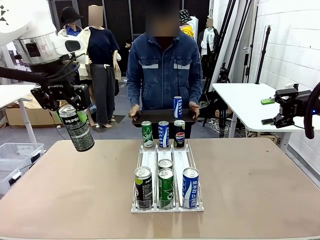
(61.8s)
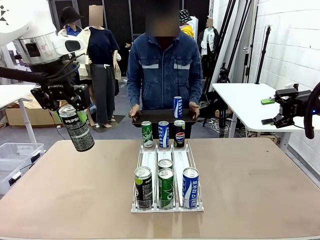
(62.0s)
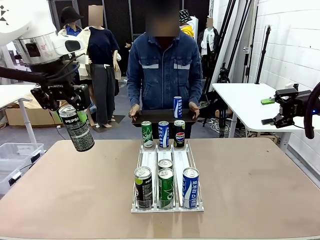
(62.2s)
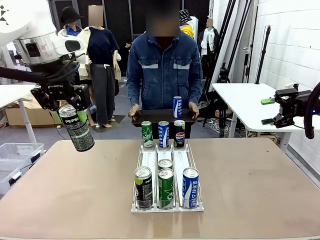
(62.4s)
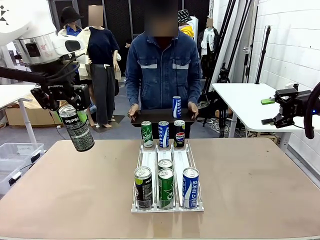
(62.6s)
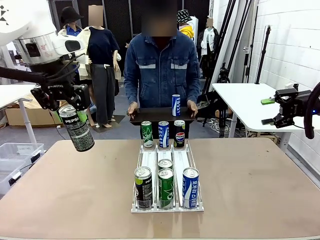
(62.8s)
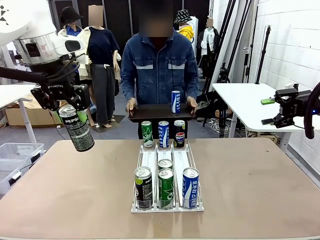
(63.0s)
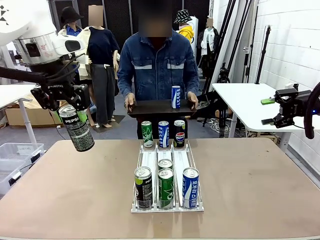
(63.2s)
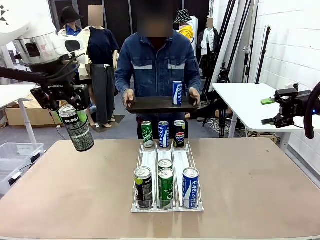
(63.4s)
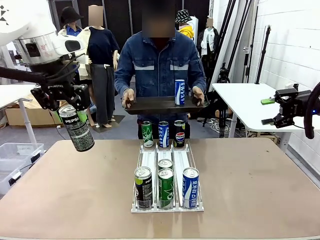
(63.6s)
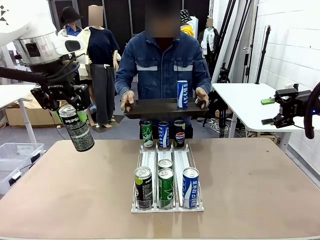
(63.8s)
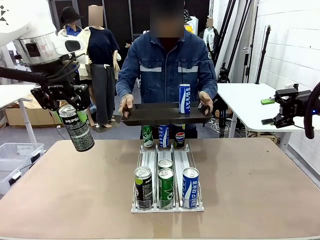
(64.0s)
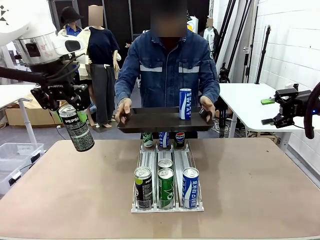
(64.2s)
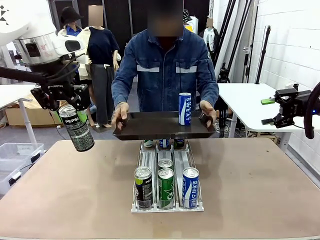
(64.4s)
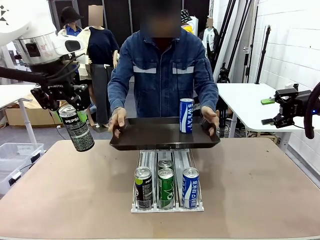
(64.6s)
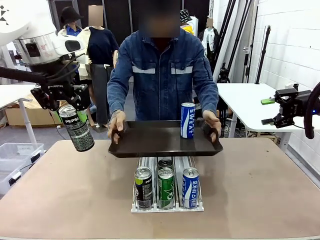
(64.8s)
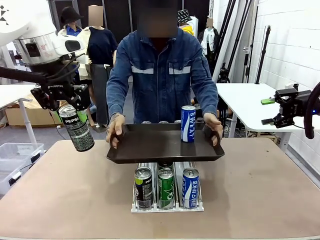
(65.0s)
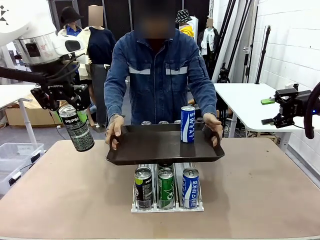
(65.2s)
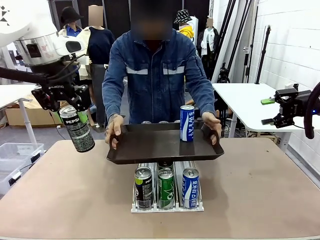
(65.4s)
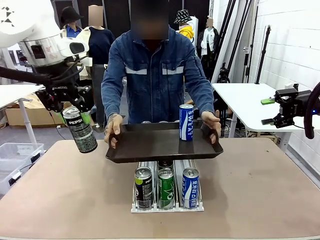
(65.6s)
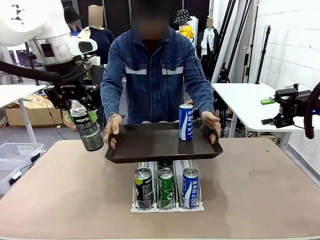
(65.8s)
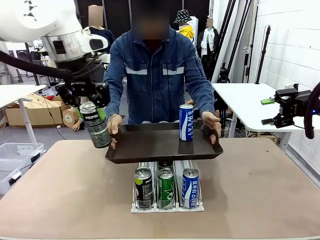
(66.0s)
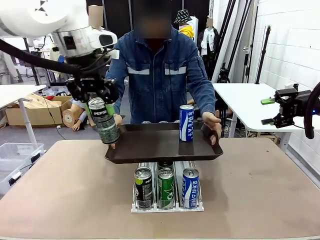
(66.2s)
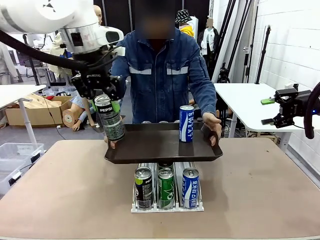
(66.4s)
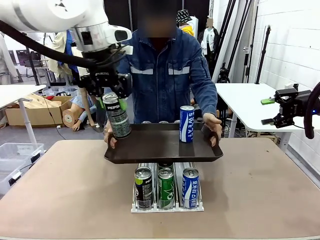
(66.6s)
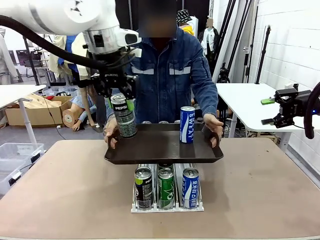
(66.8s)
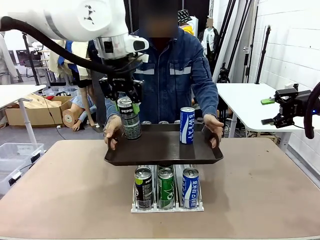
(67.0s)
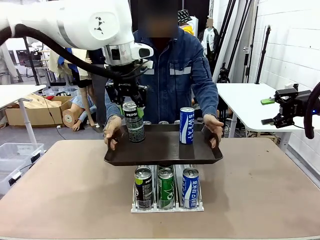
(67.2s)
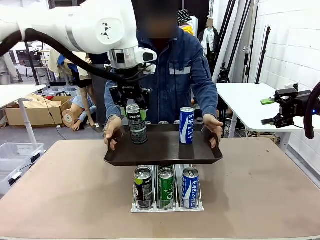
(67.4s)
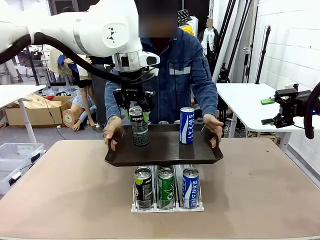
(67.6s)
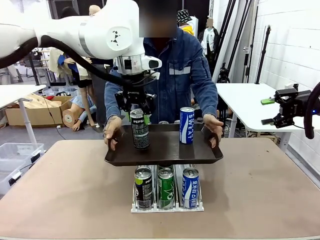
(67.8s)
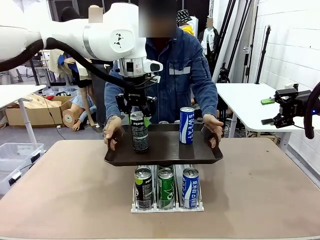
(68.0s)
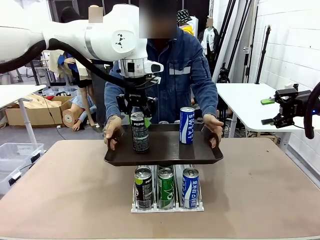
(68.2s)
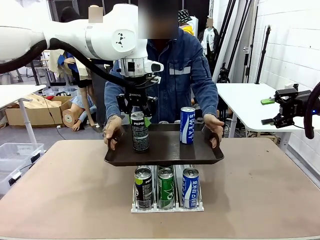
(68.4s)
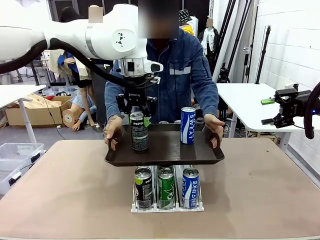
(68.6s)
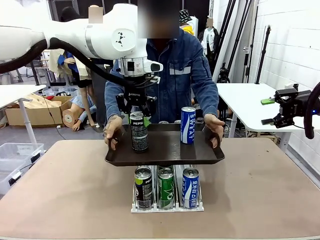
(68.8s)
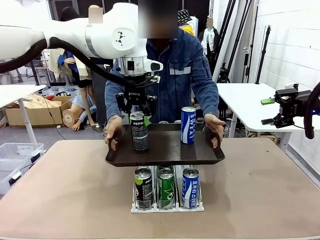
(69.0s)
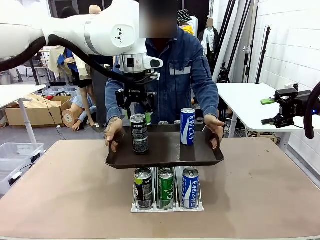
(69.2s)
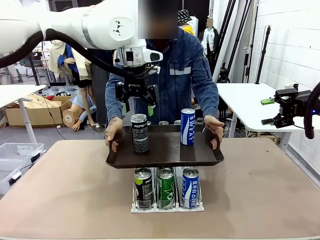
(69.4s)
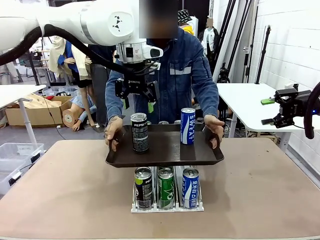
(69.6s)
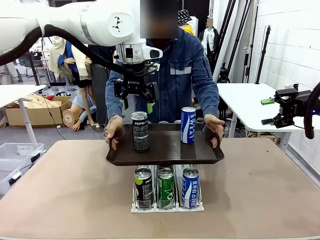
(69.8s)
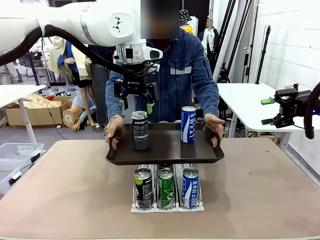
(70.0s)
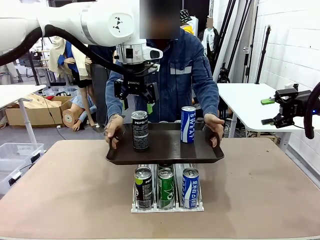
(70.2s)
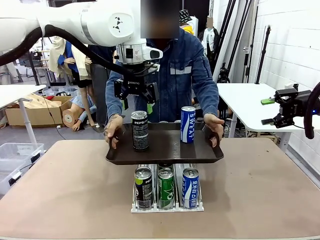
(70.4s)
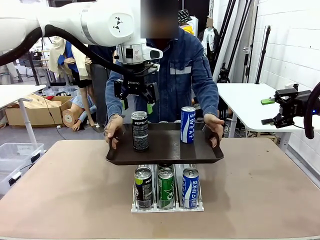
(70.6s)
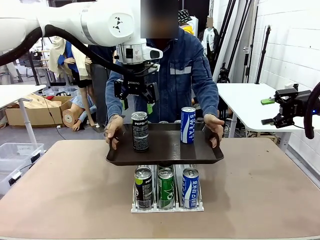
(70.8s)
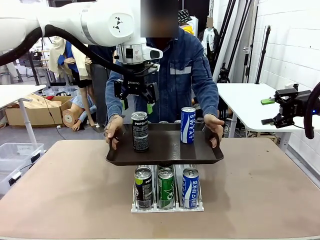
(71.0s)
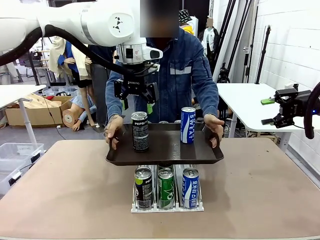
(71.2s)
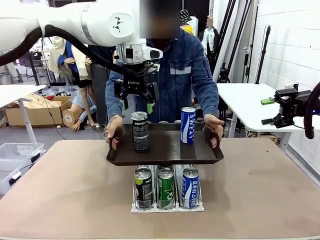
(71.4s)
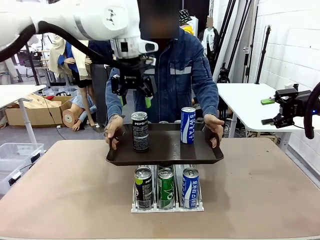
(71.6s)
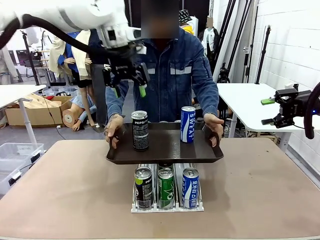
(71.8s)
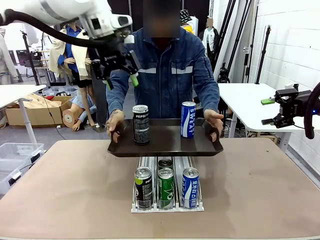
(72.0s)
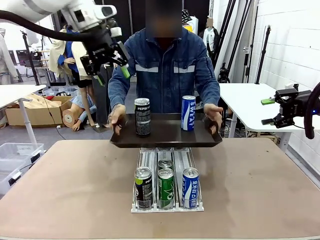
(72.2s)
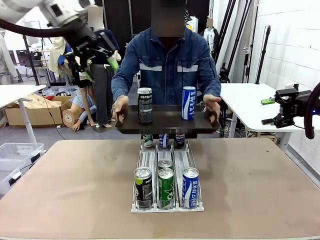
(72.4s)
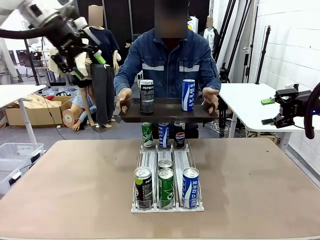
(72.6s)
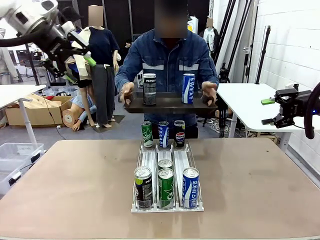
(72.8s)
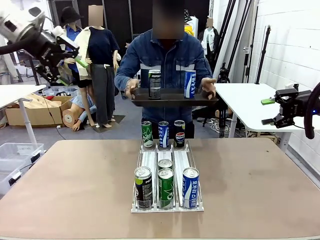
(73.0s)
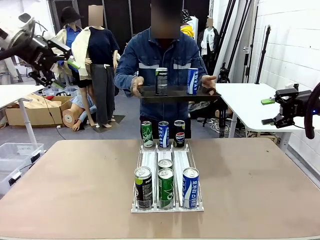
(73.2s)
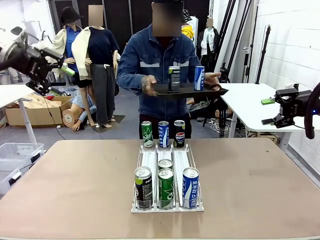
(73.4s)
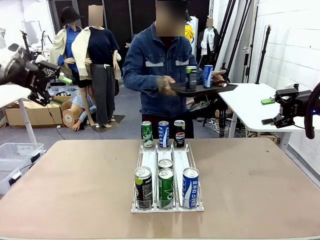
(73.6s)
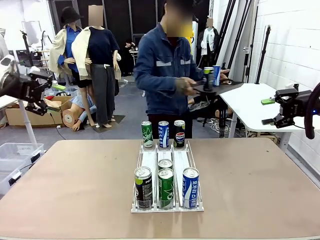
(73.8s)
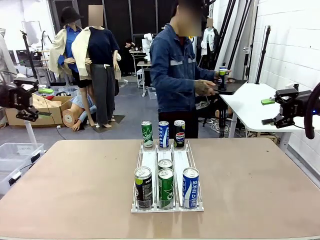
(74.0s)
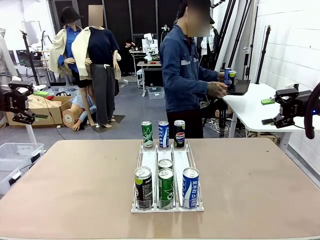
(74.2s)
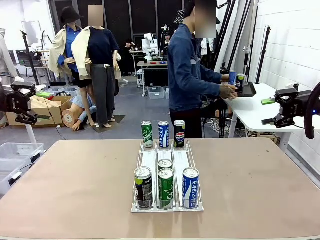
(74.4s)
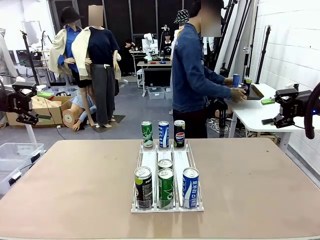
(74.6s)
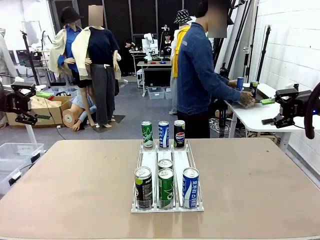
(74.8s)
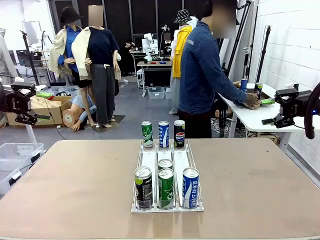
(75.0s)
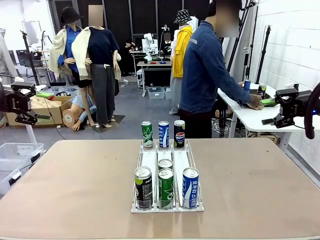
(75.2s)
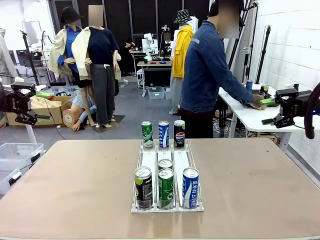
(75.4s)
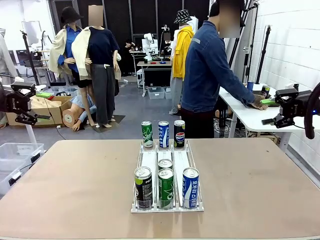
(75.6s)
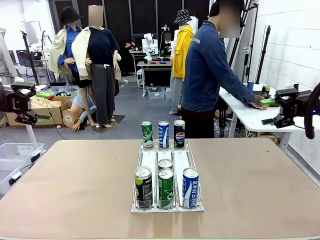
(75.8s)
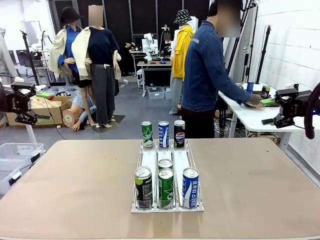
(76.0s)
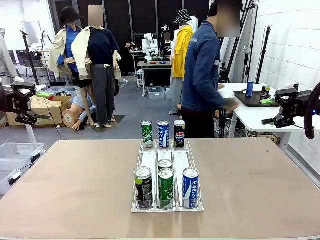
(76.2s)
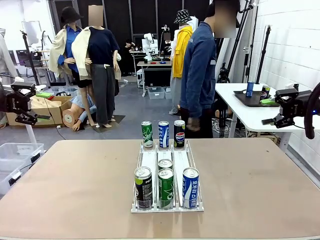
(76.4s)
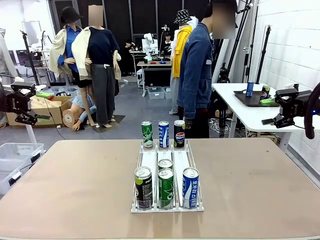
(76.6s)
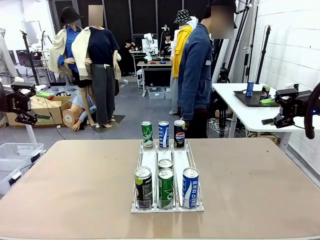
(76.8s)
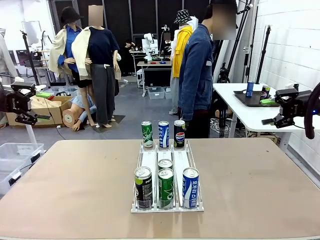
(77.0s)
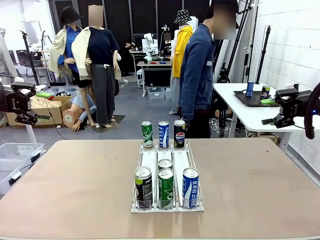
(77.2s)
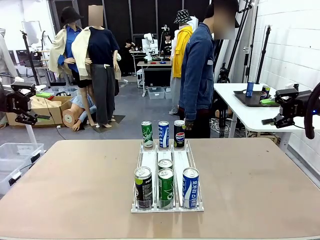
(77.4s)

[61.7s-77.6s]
Task: Retrieve and hand over the desired beverage to the person.
Robot: Place the picked can on the Handle tray extended by the person.
Person: Pull the tray back and place it at the center of the human table.

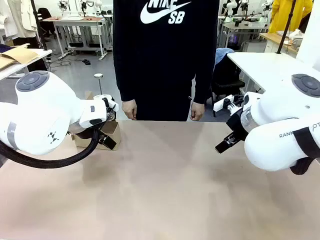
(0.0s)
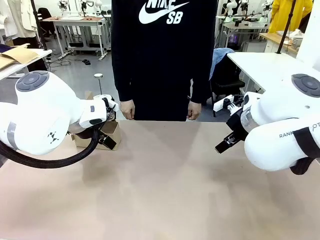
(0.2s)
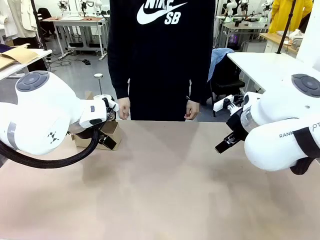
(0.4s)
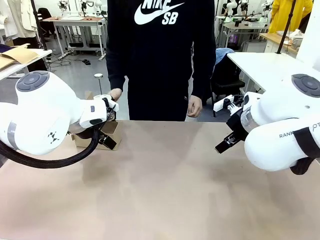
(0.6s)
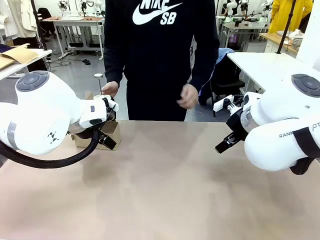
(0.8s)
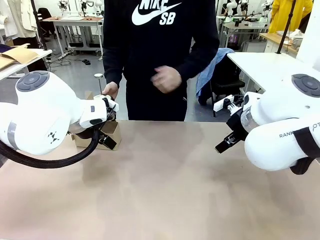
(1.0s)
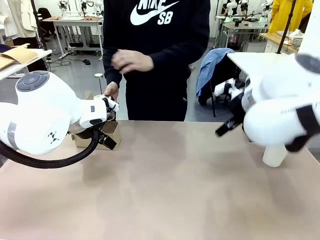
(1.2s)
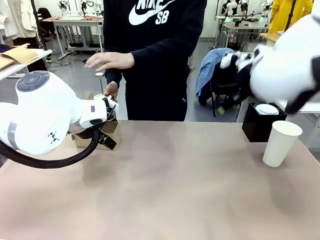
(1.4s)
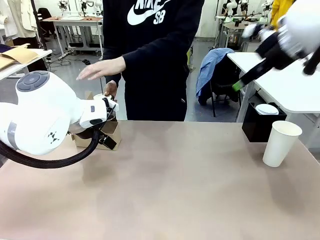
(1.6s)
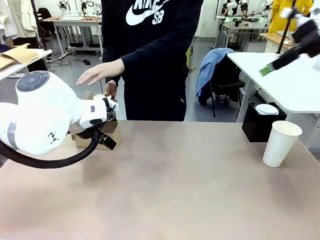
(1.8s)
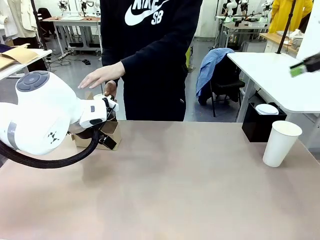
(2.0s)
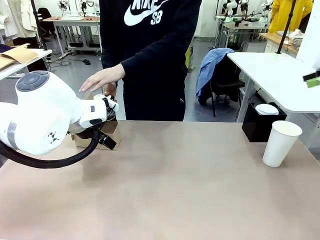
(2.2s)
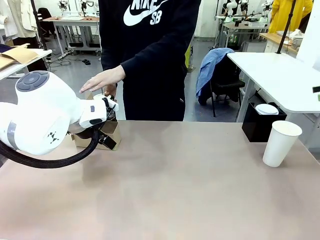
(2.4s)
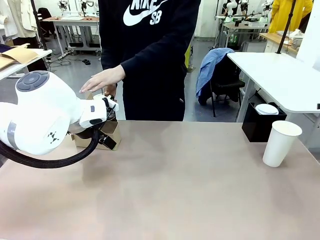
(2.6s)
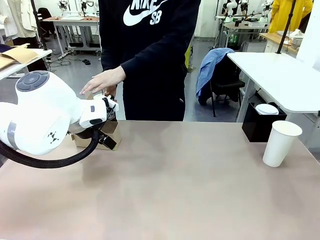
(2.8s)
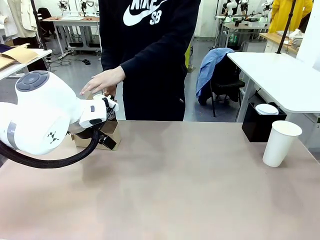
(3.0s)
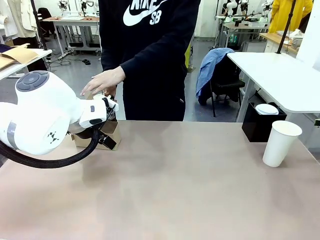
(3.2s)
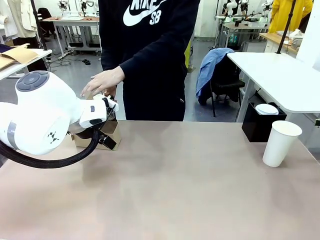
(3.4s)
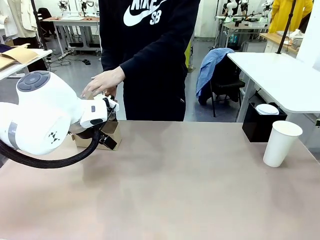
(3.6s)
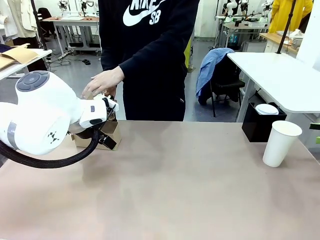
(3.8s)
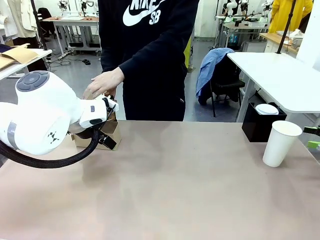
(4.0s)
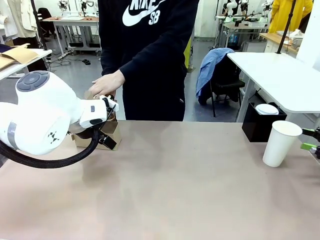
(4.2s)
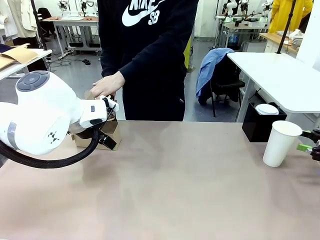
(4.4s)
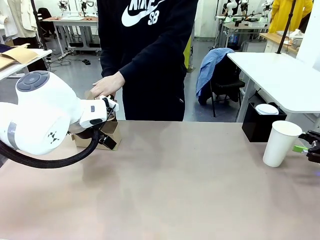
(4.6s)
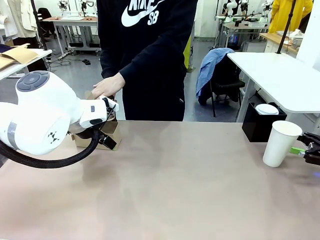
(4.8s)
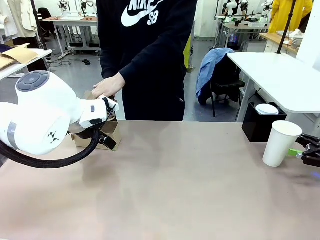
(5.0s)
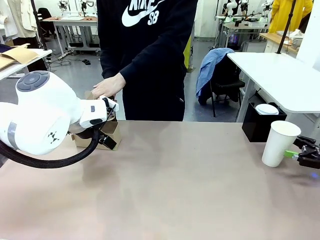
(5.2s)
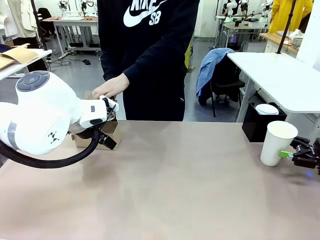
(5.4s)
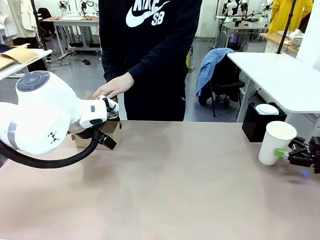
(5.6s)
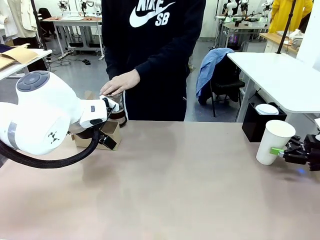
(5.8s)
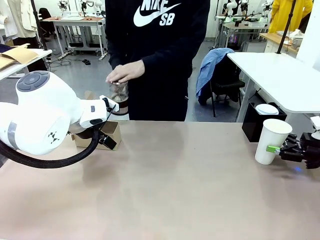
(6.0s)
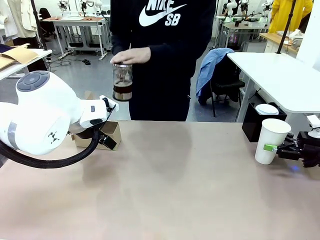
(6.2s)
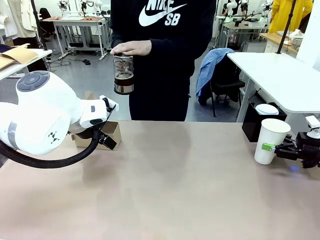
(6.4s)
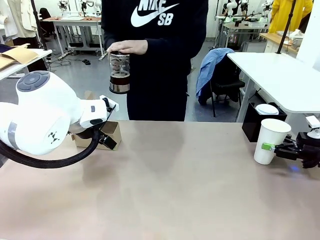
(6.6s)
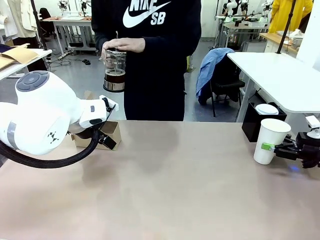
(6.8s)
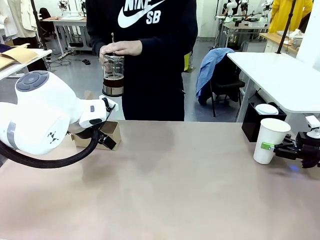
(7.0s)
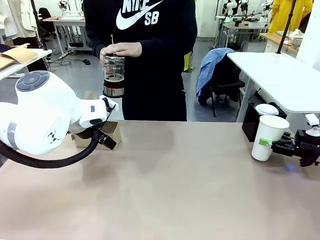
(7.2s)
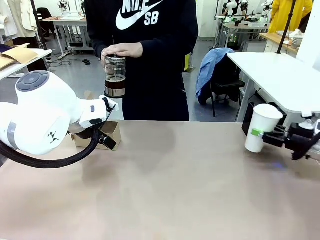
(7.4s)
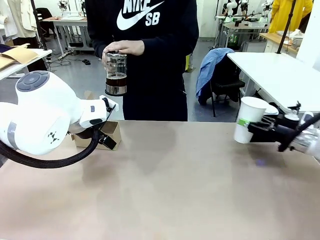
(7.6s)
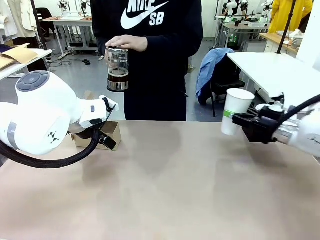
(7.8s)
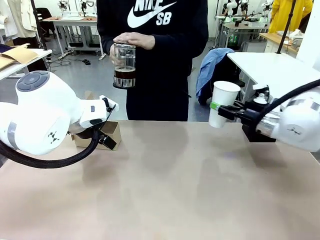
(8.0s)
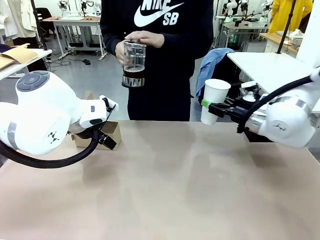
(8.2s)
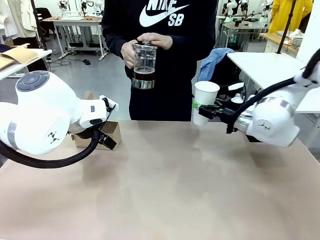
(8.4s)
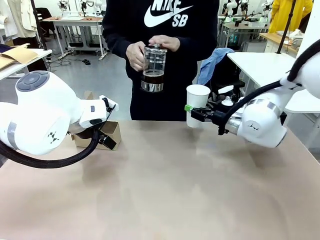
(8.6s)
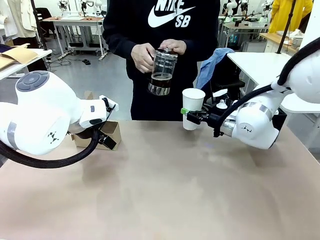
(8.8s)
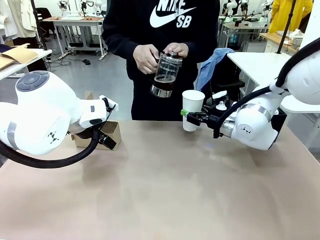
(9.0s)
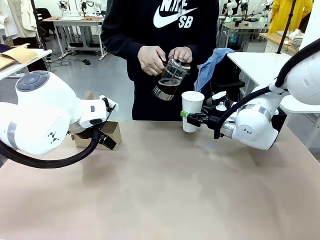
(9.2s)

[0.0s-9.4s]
Task: Pour a drink into a cup and package it in a carrier.
Robot: Pick up the 600 ml Paper Cup and place it in the middle top area of the table.
Person: Press and pick up the Filter Brewing.
